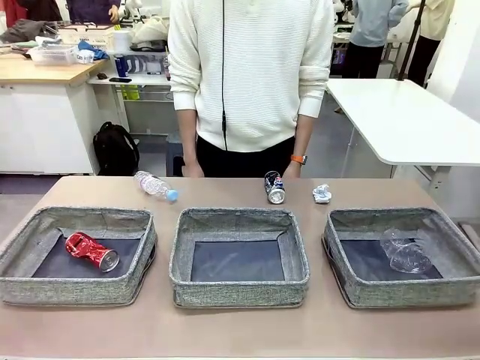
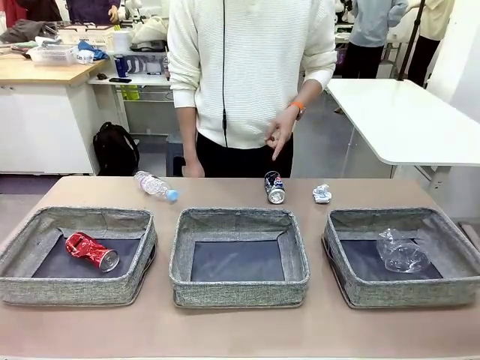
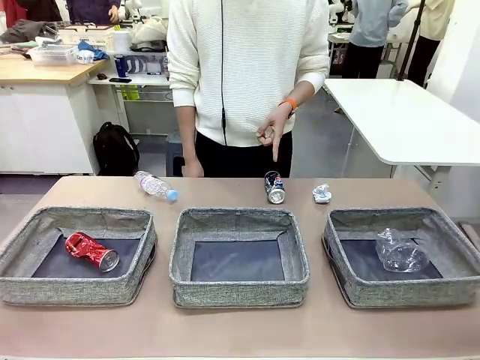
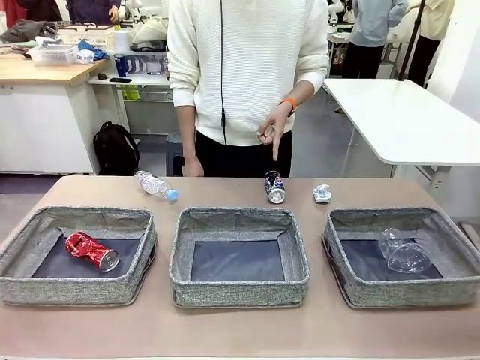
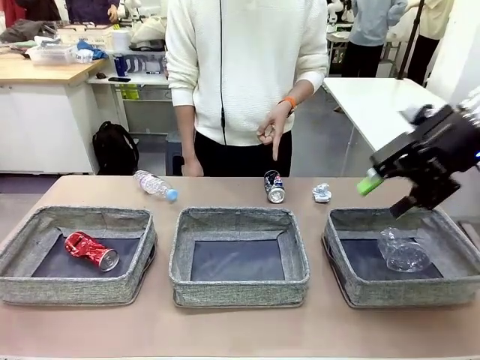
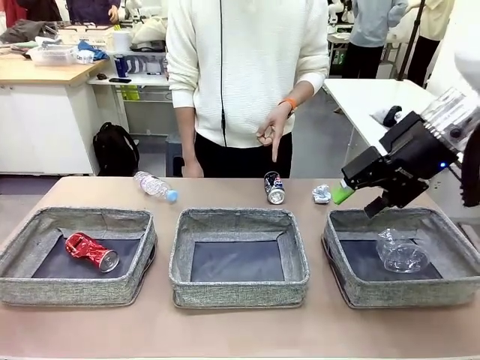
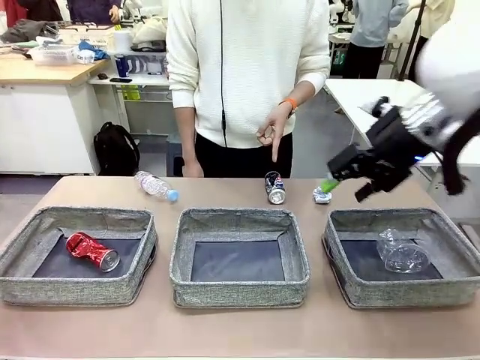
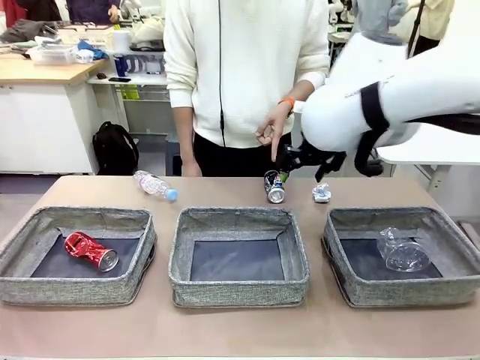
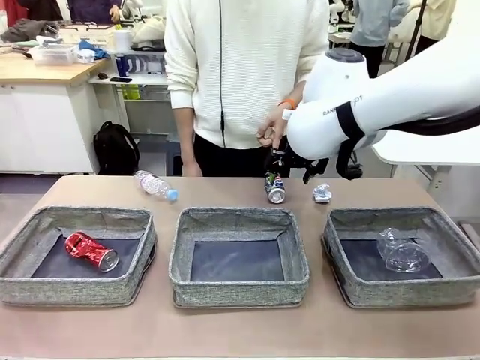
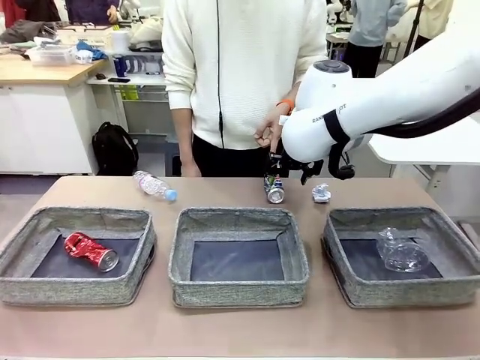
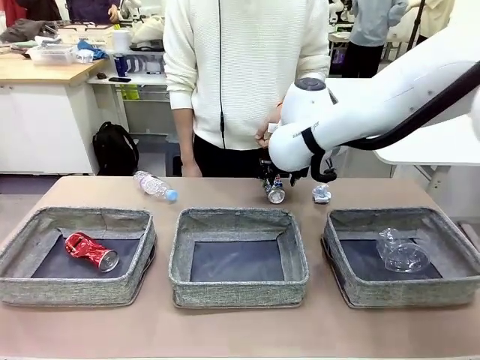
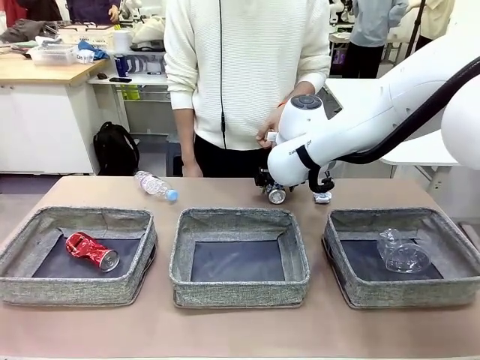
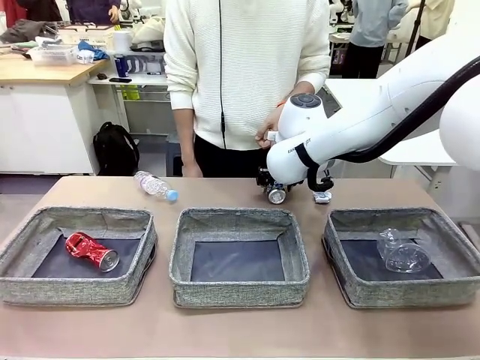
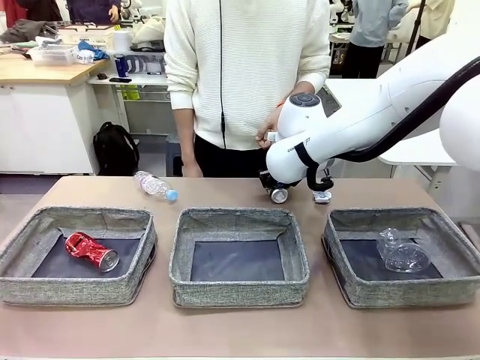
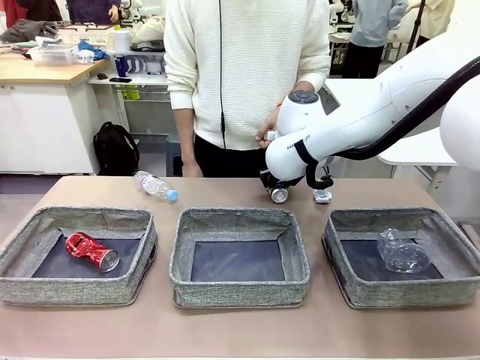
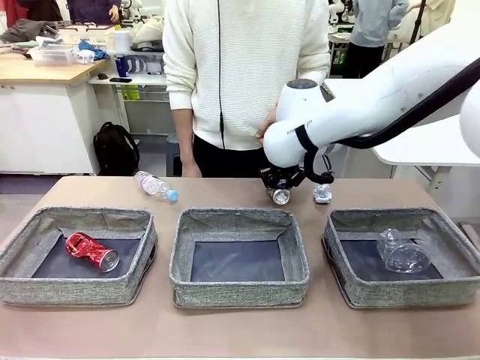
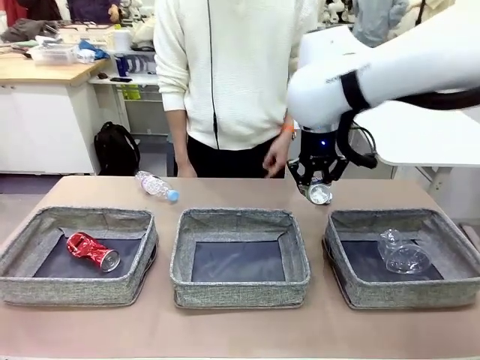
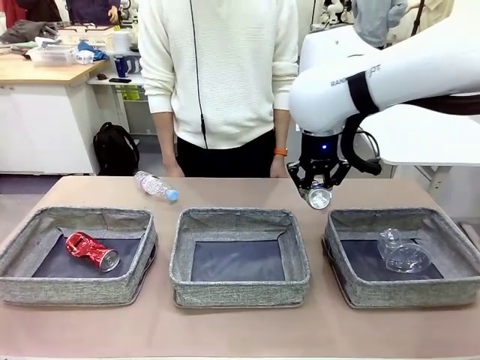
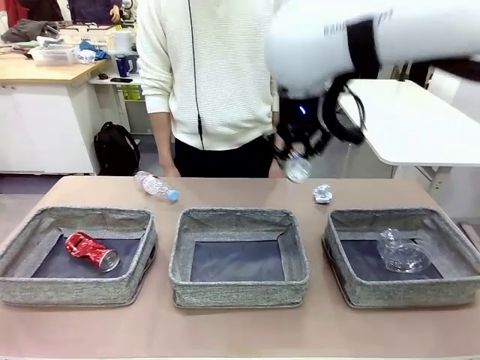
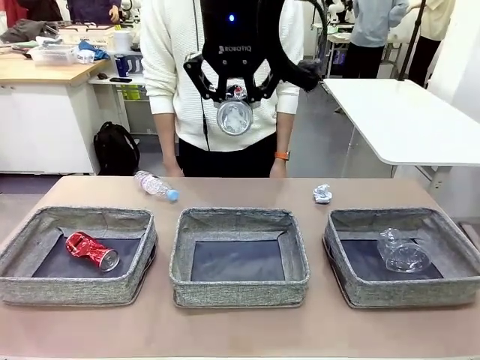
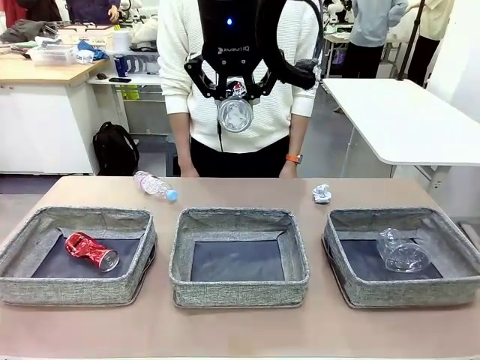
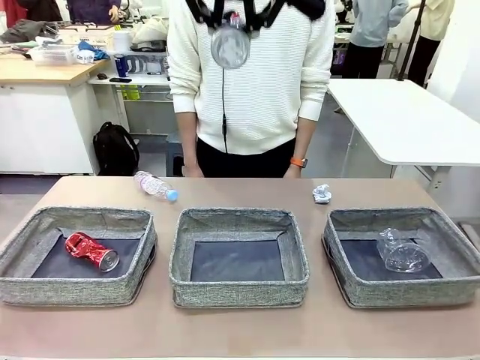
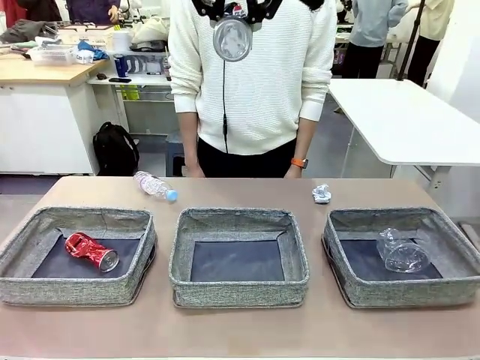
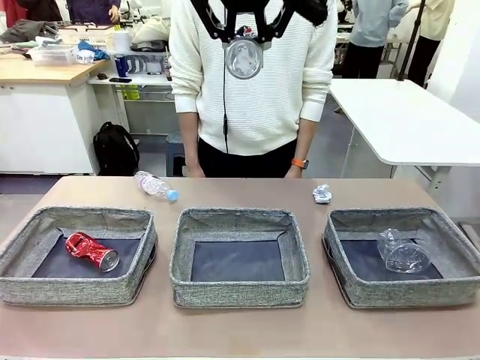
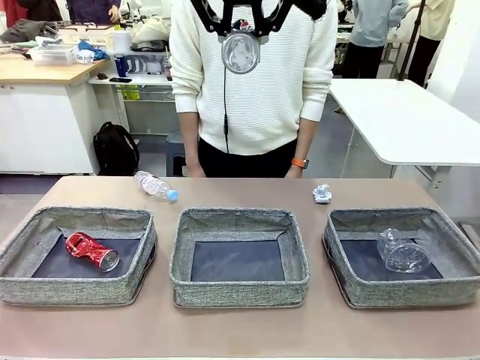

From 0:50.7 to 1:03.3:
Task: Sort the waste into the appropriate baskets.
Robot: Pick up the waste item pointed out by the person.
Person: Points to one piece of trash on the table.

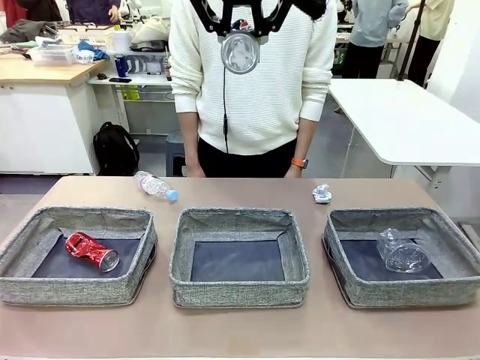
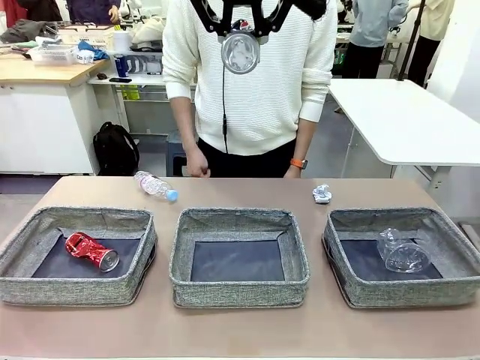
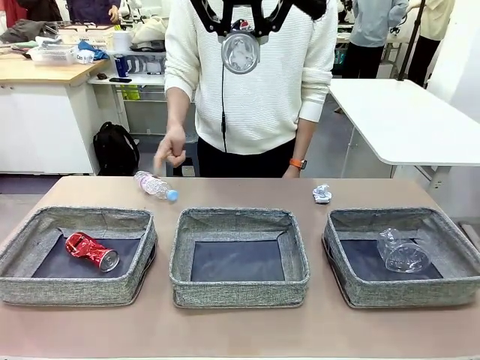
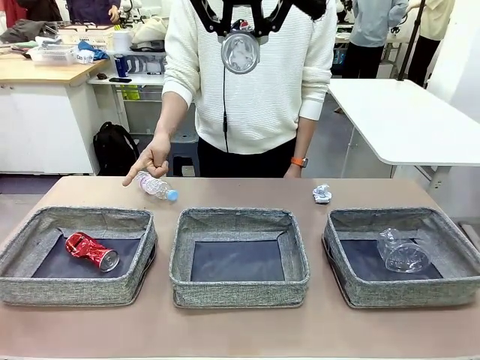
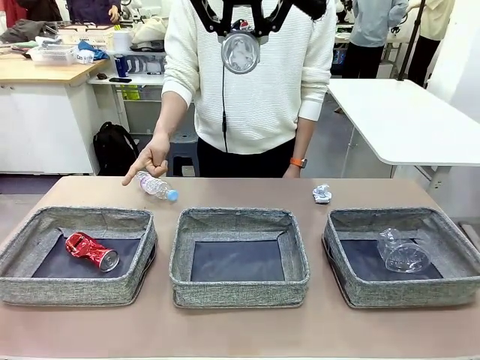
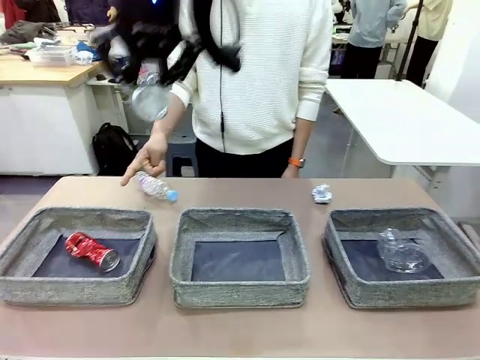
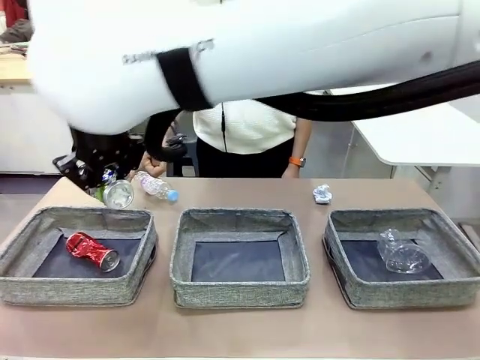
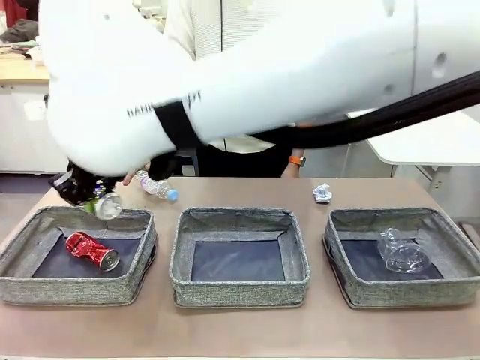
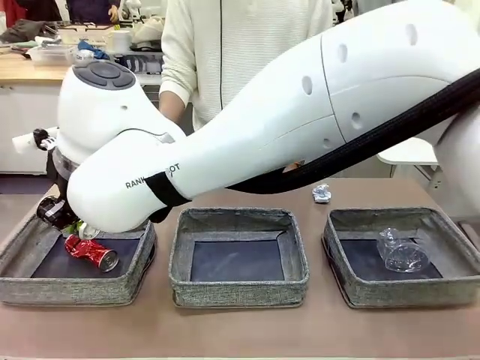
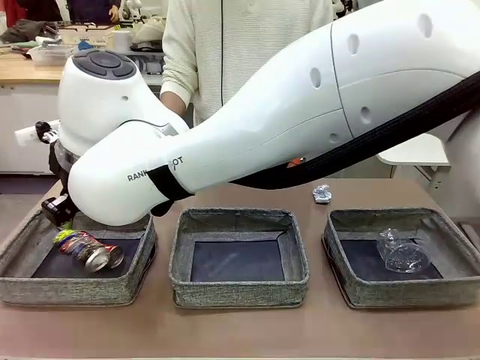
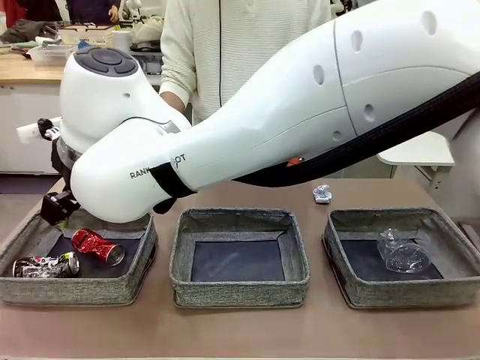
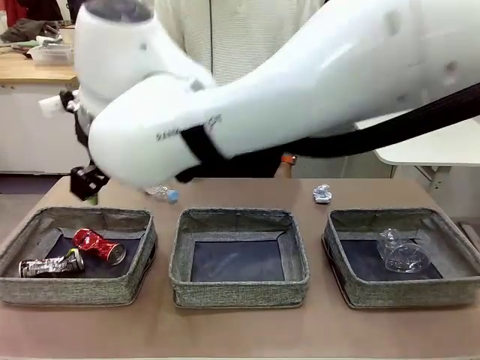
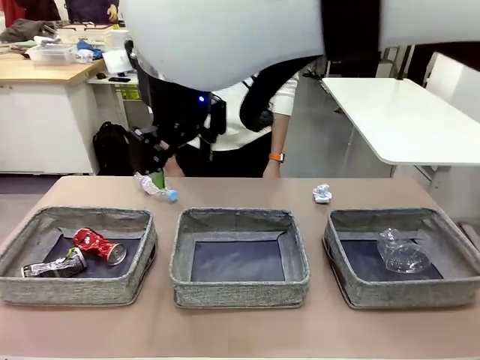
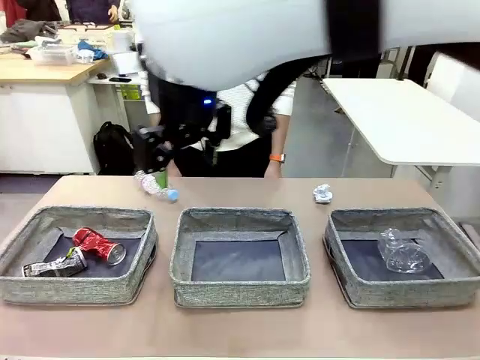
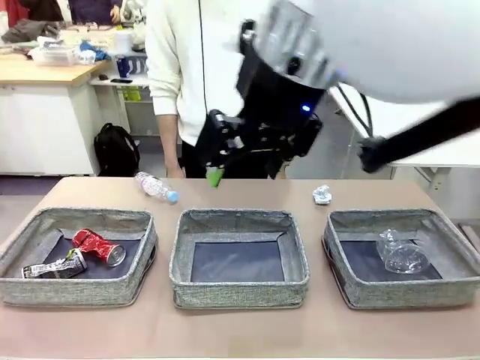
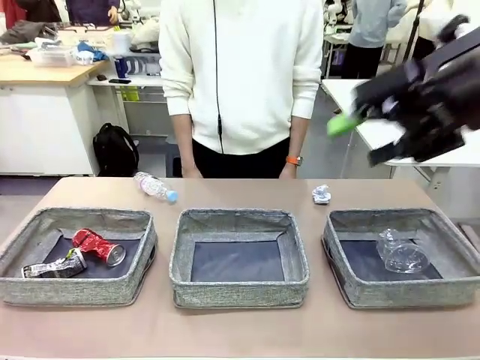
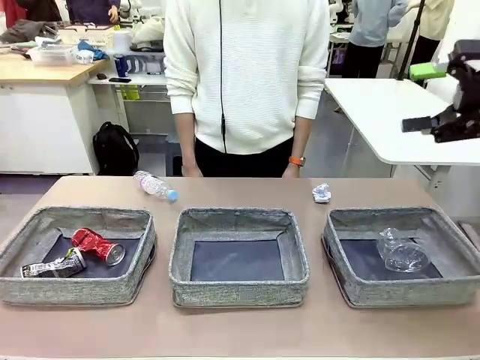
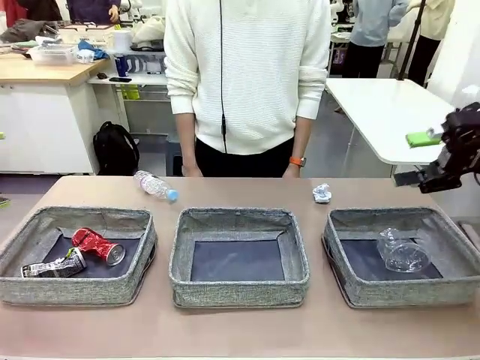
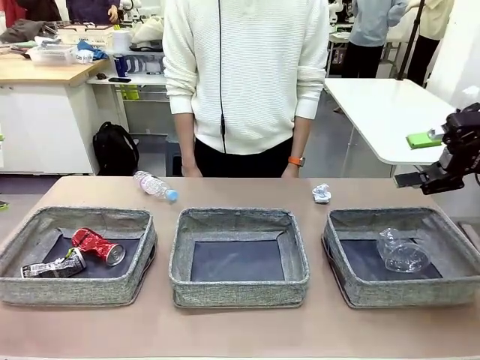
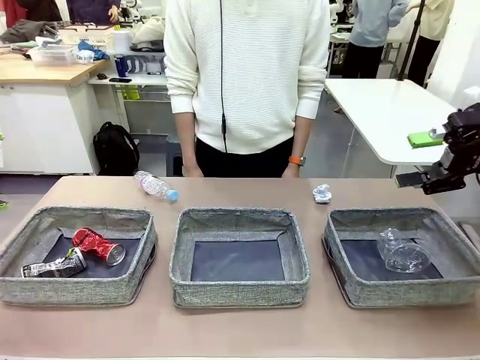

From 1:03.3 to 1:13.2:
Robot: Place the picked waste into the Fabric basket indicated by the person.
Person: Instructs the robot to place the picked-up trash into the appropriate organizing basket.

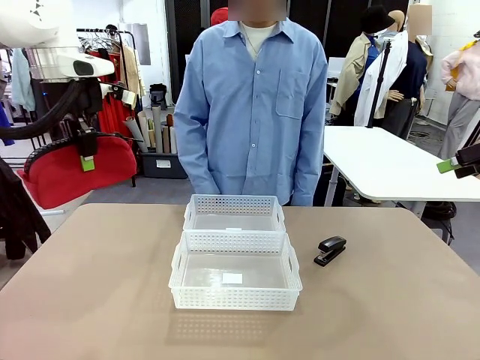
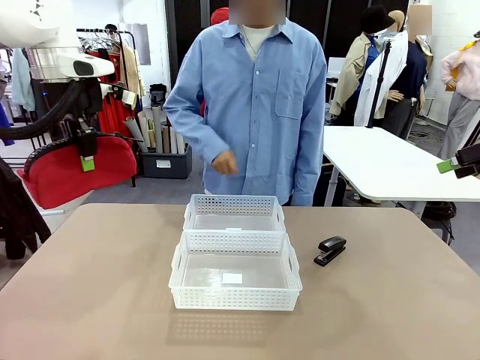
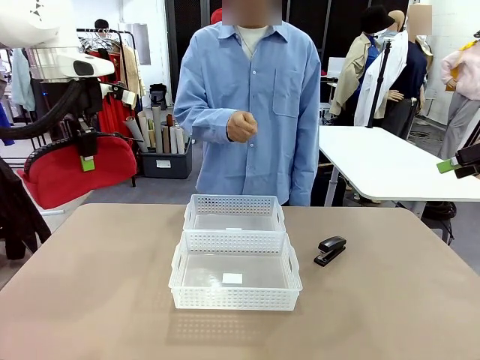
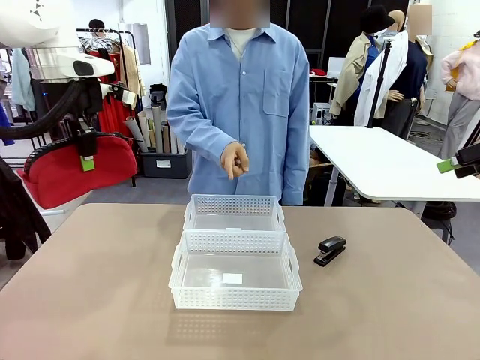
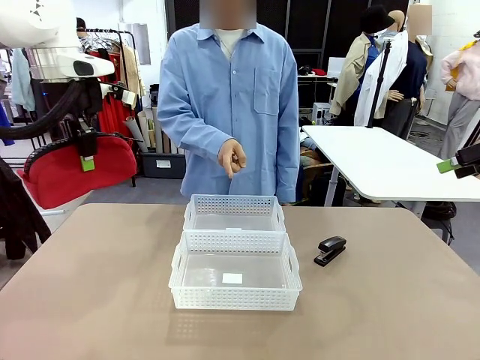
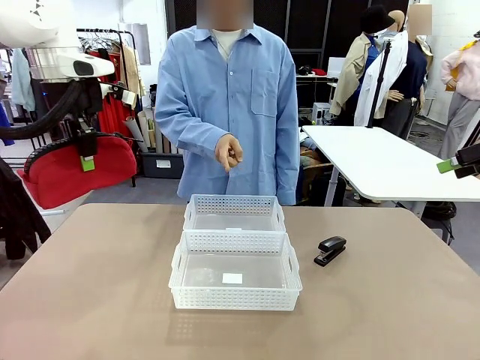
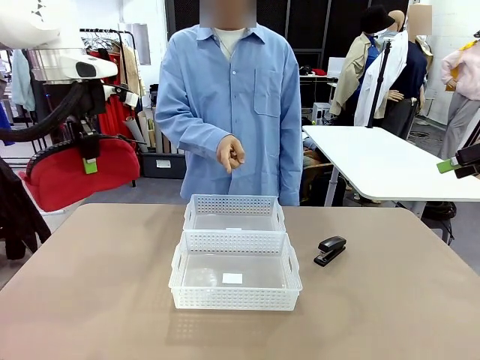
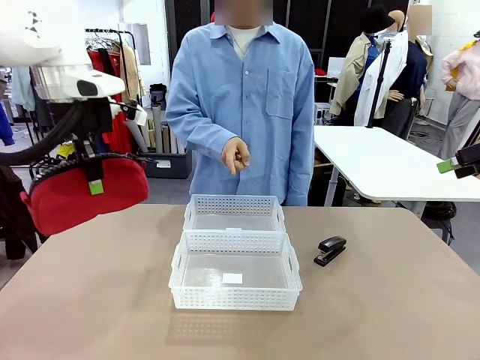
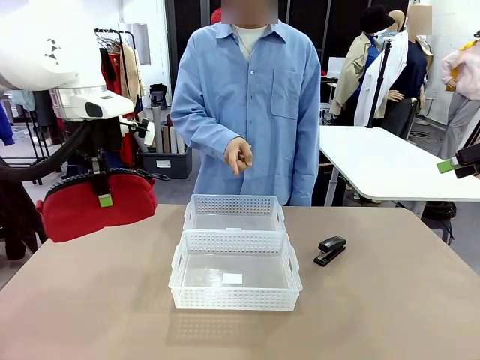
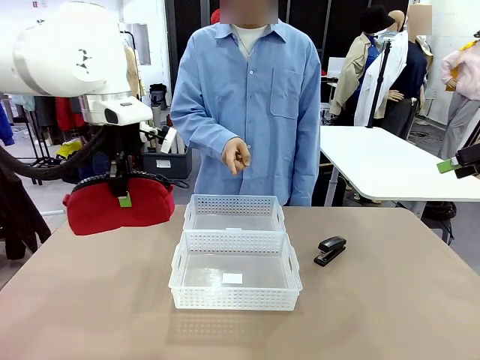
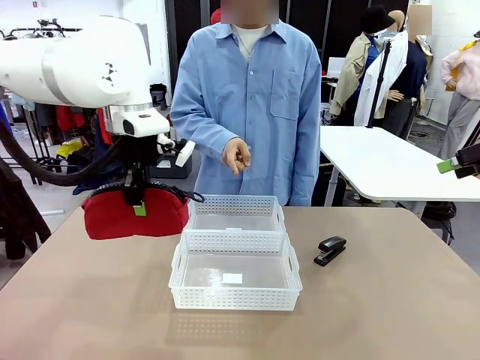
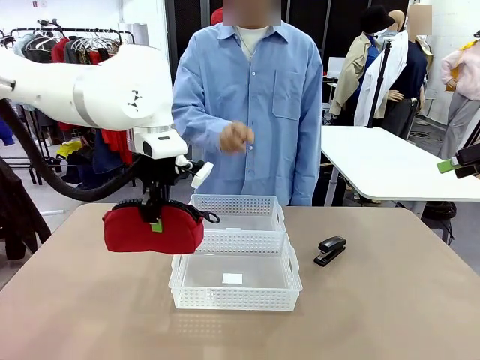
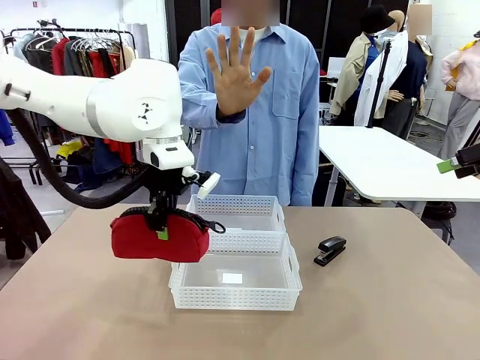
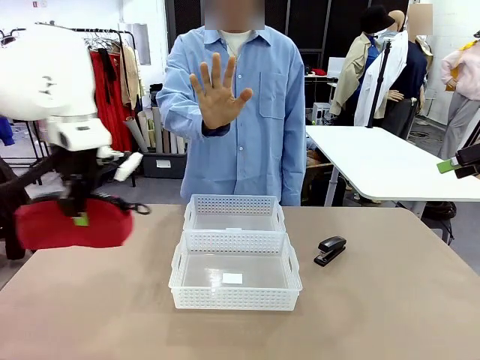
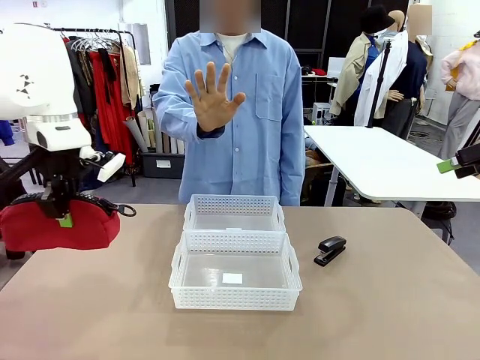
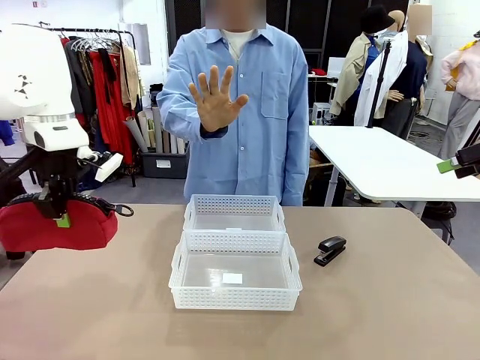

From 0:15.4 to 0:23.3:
Task: Distribute items into two baskets.
Robot: Move the picked Pencil pouch towards the Organizing basket indicated by the person, stopping as directed.
Person: Sends a stop gesture before the robot places the pencil case into the basket.
